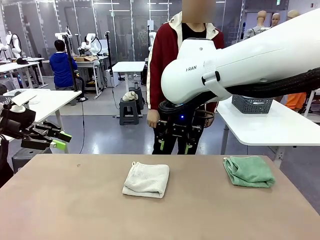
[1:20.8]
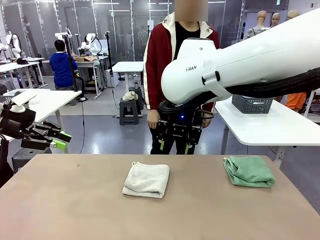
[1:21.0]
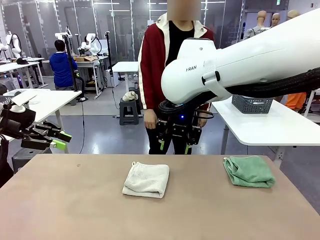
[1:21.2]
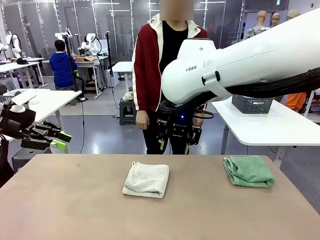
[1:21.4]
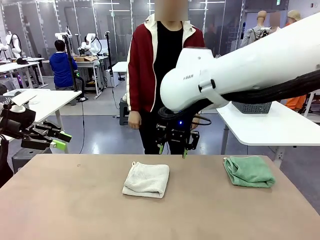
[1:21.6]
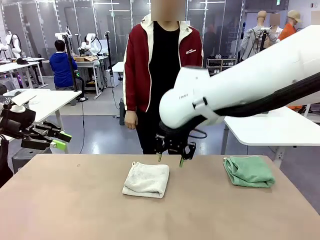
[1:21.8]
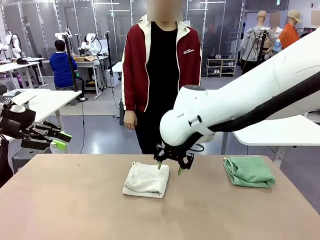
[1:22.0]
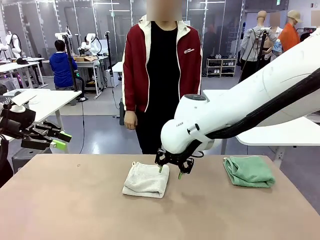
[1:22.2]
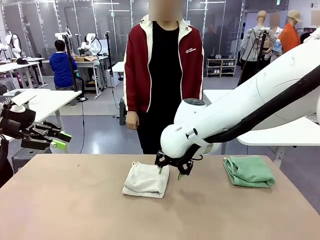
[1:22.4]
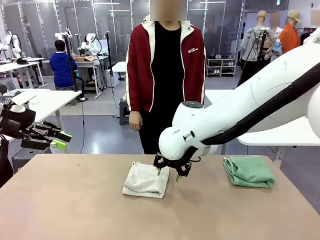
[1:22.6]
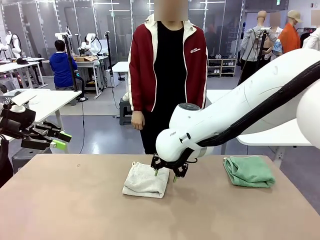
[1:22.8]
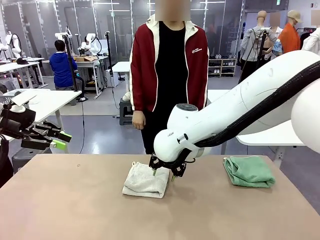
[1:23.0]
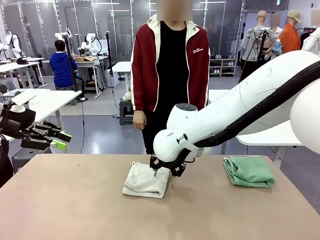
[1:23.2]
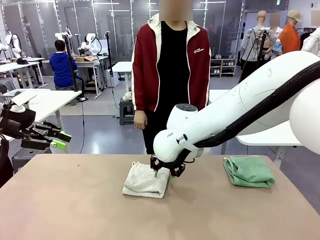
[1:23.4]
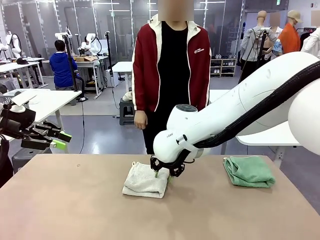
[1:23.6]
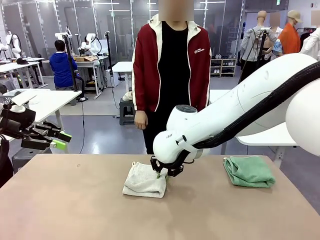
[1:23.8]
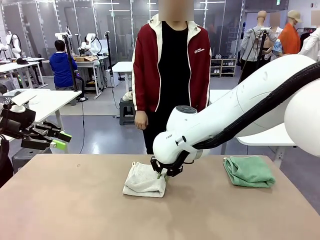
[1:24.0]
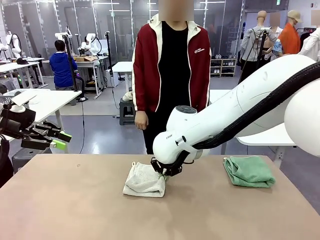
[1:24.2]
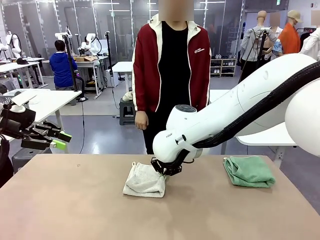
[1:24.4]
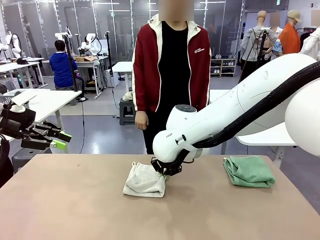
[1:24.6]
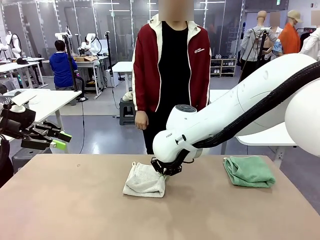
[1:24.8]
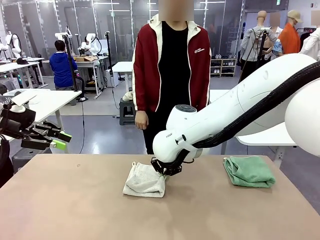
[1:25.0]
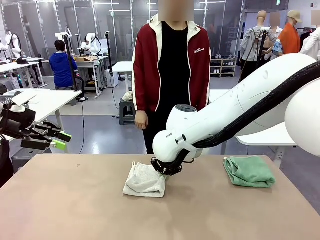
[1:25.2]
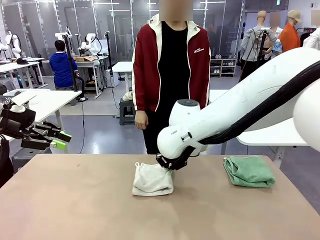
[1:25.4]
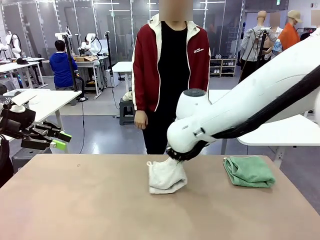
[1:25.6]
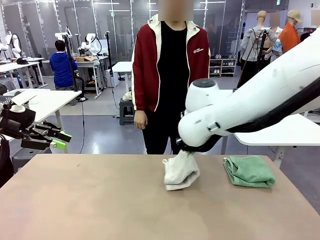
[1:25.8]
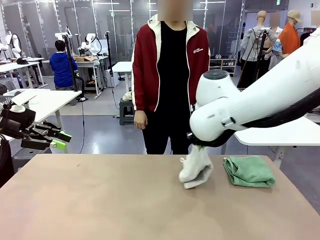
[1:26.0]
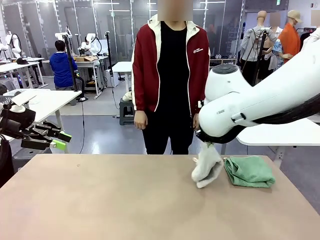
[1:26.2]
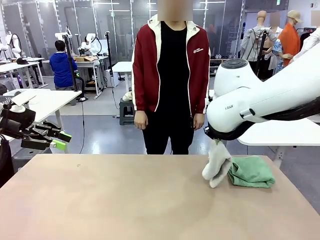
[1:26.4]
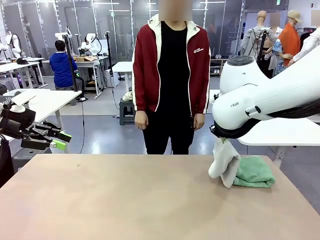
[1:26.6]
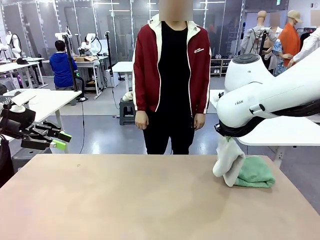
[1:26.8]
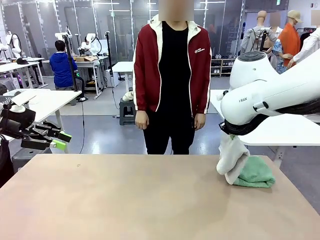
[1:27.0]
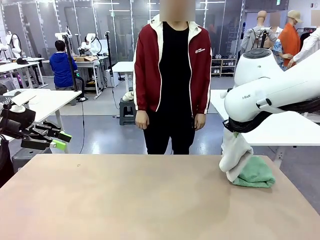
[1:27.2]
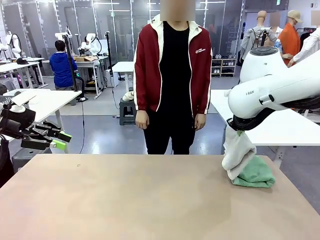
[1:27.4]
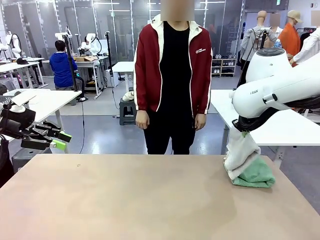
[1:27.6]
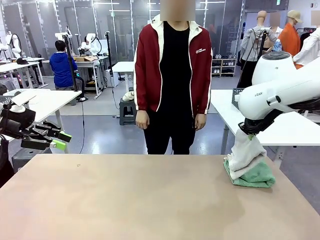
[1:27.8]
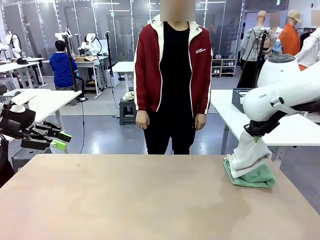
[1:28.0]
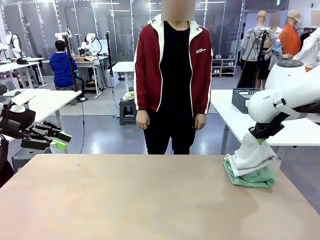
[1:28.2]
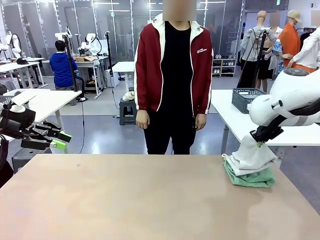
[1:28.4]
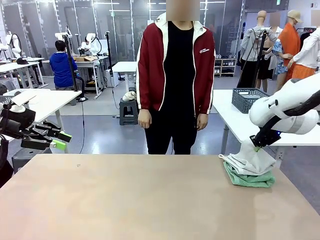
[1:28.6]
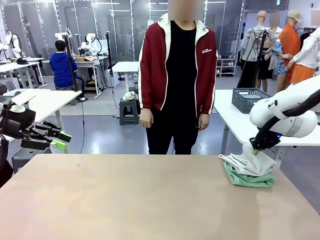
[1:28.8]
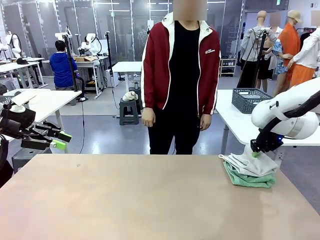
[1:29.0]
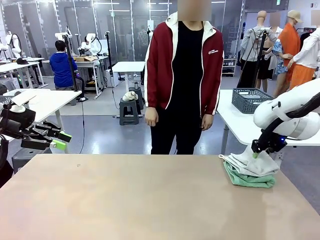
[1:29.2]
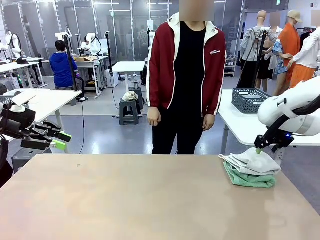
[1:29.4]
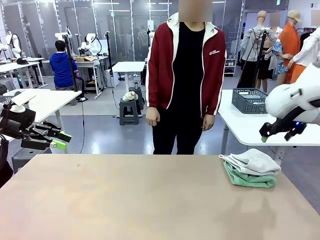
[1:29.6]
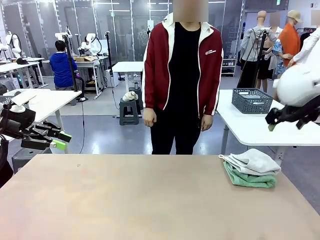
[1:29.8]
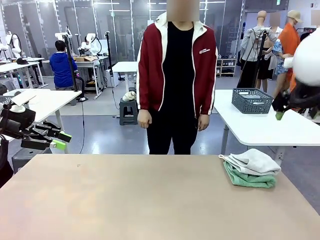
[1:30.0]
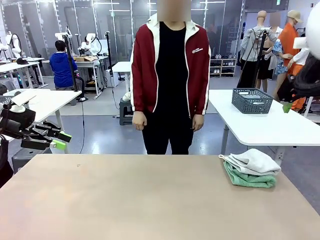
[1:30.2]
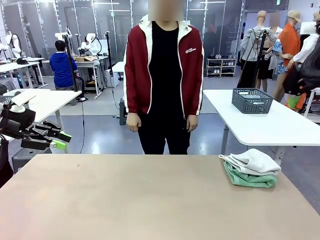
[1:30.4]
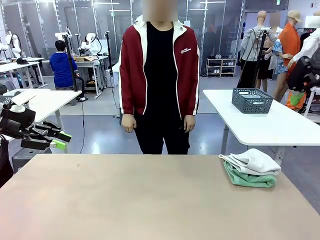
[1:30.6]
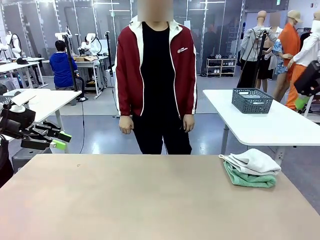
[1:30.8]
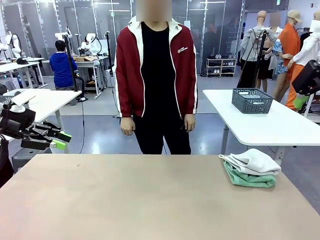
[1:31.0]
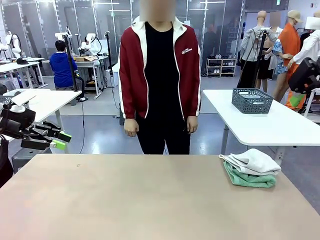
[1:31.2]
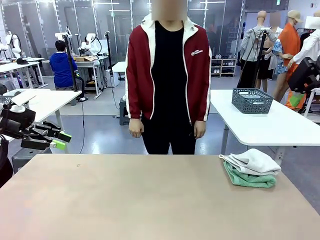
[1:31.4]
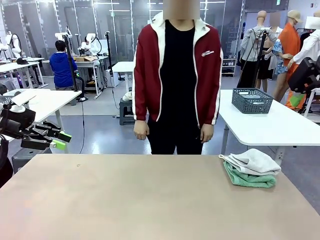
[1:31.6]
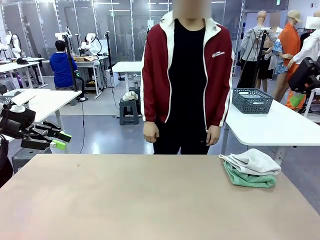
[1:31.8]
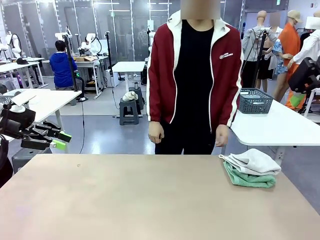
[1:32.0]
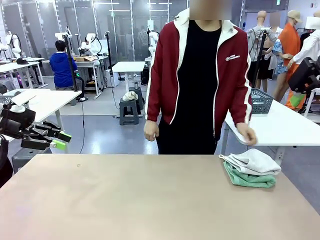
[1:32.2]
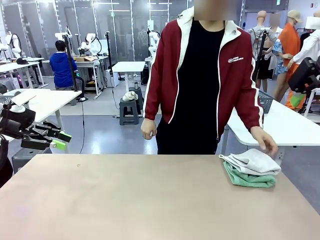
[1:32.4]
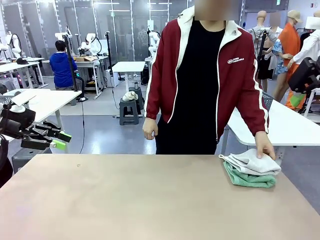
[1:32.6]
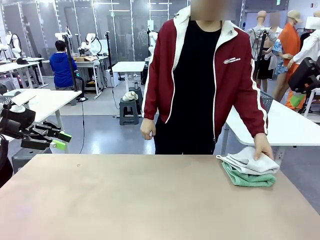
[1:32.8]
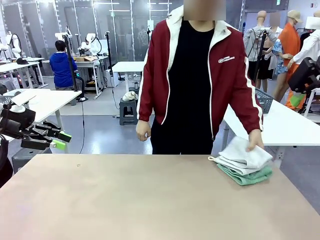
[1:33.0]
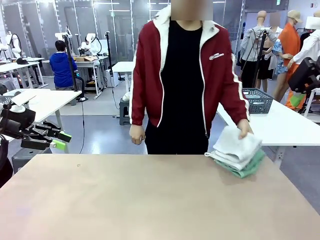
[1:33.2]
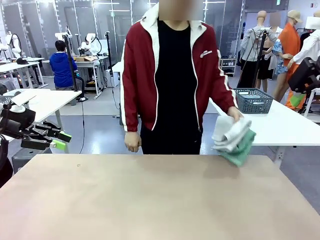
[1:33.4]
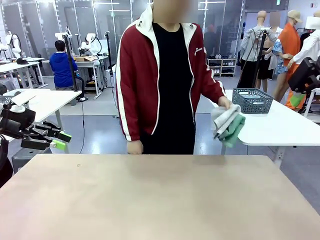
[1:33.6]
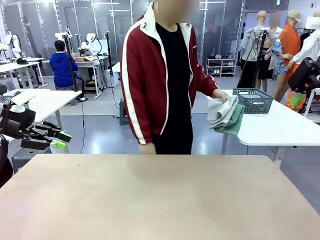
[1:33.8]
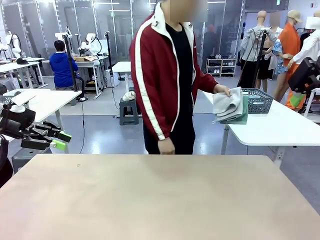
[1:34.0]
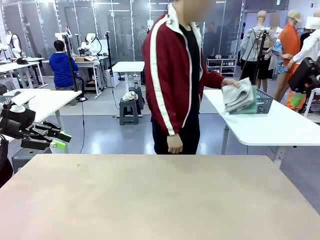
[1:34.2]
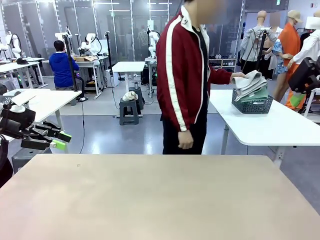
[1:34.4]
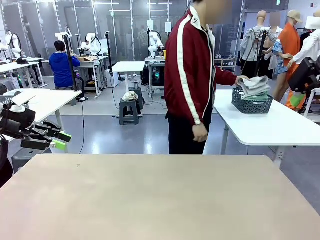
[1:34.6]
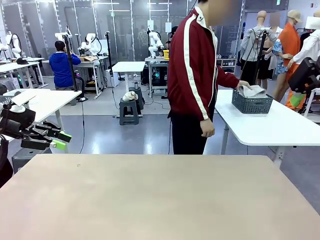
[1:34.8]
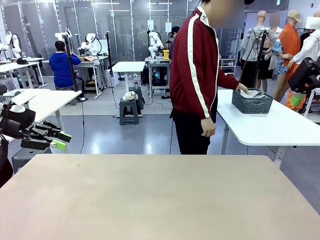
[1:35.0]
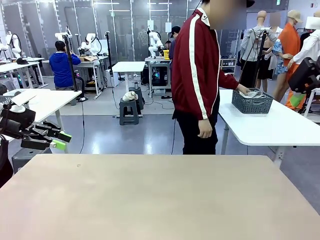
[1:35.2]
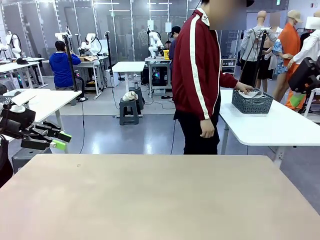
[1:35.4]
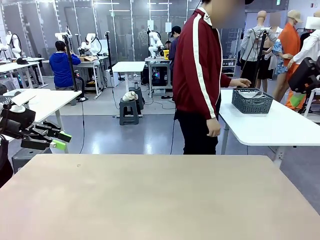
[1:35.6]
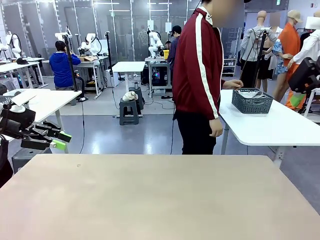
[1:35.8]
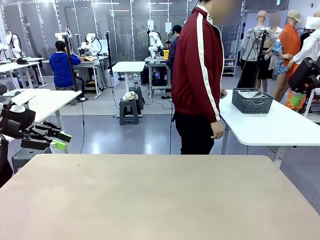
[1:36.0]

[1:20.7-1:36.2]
Task: Fold the towels and place them in the basket.
Robot: Stack the folded Towel with hook on the right side of the table.
Person: Pick up the stack of towels from the robot table and place it into the basket.
